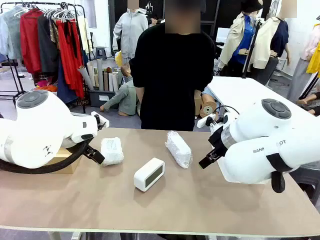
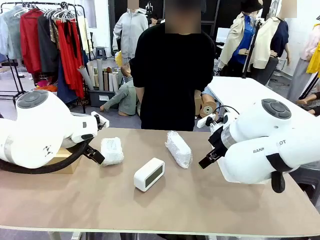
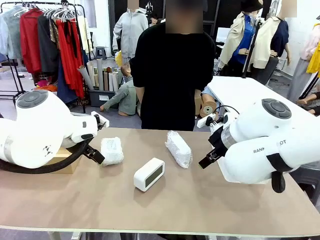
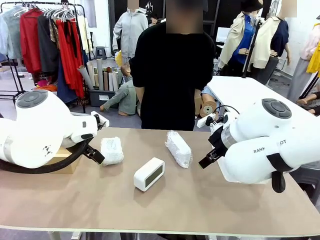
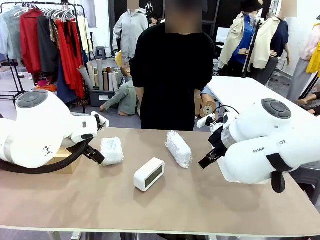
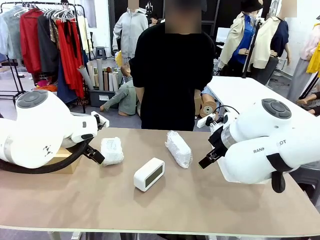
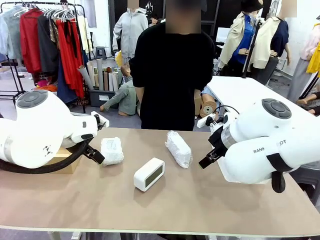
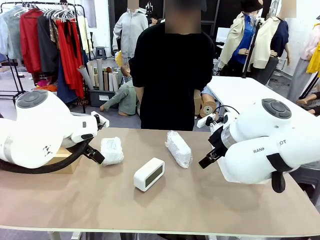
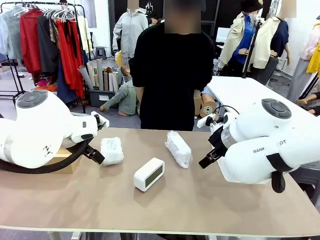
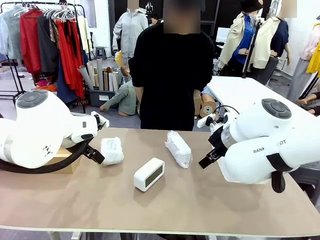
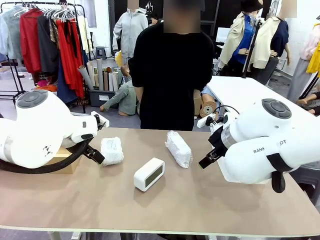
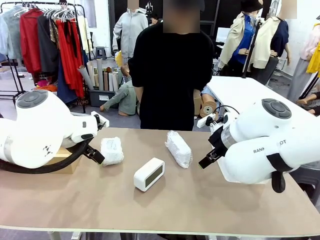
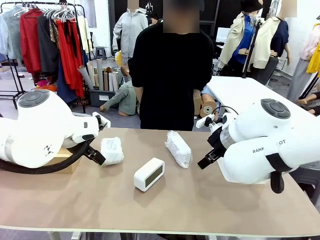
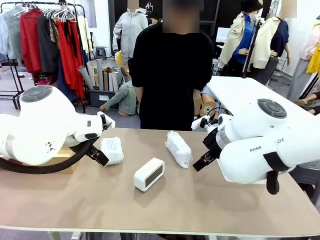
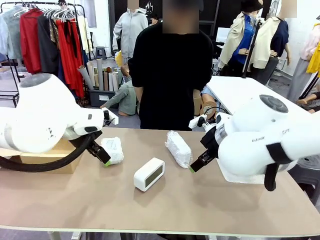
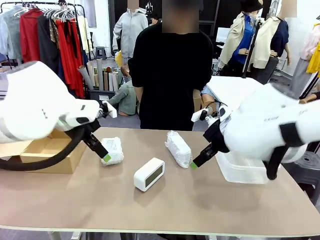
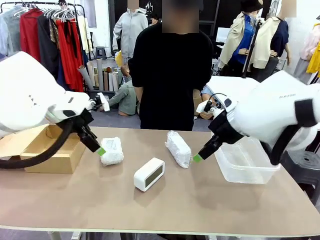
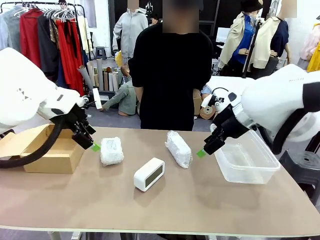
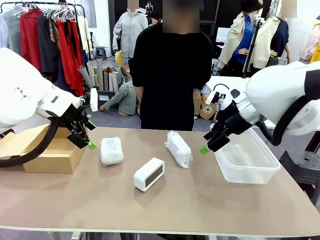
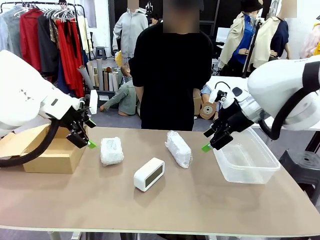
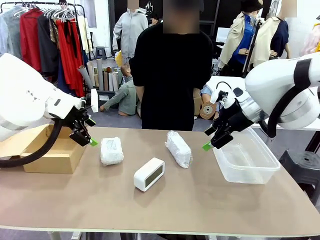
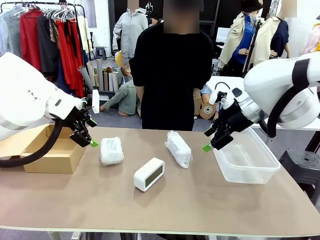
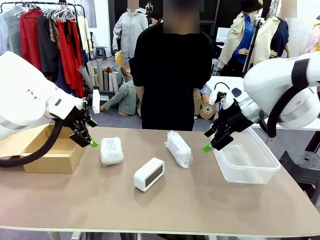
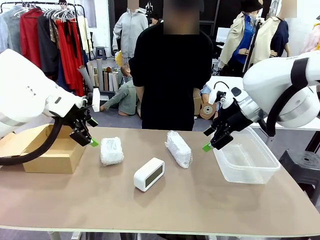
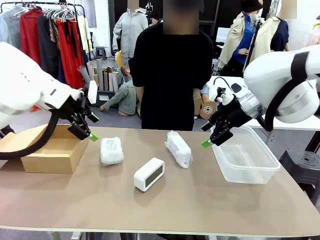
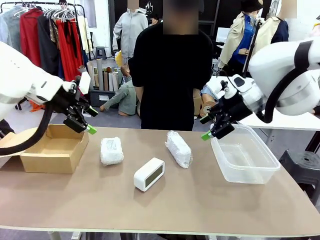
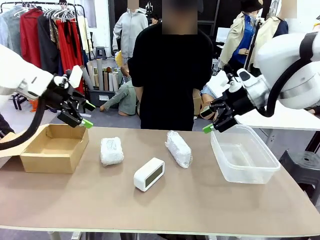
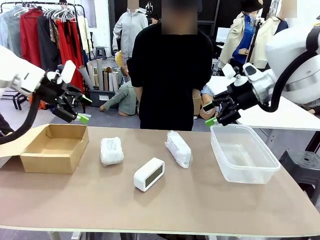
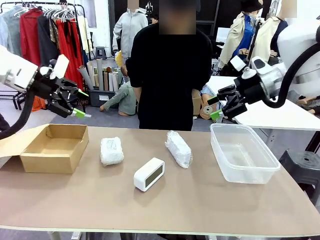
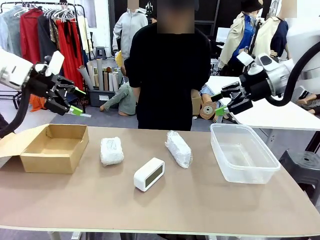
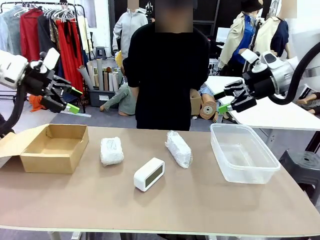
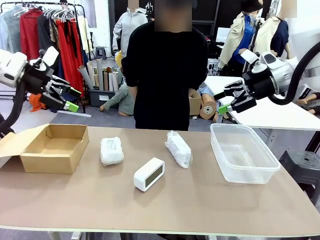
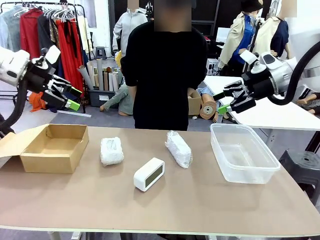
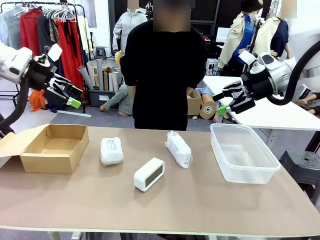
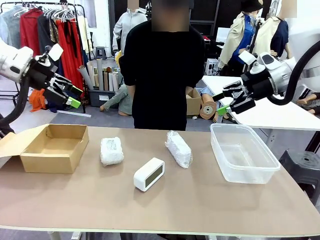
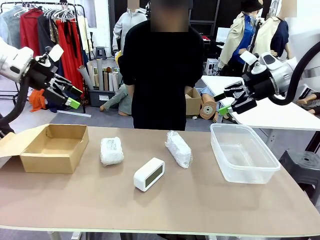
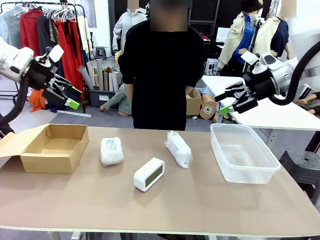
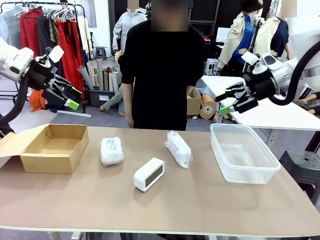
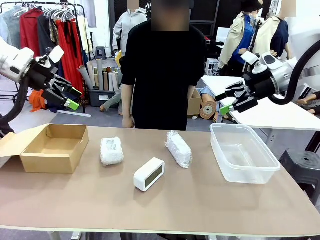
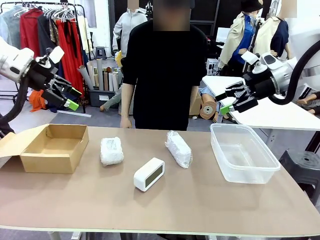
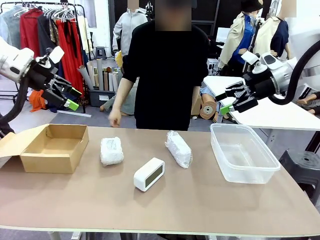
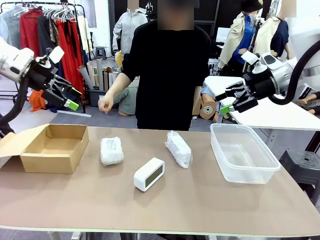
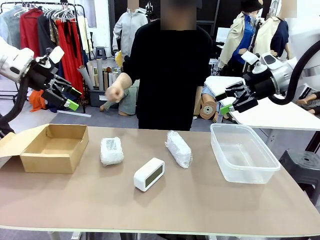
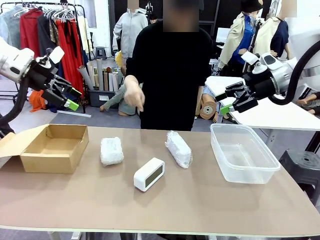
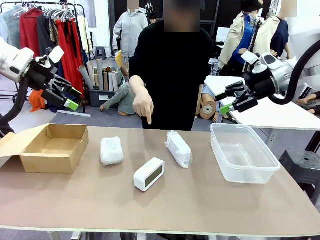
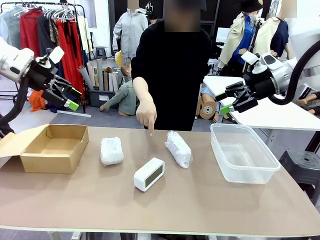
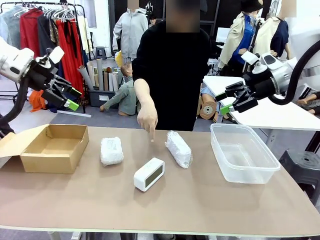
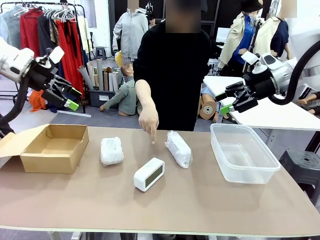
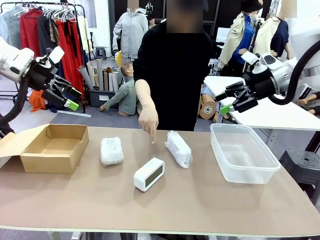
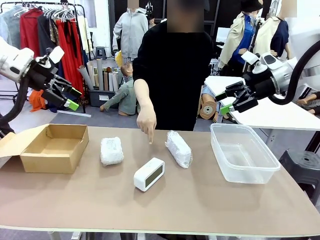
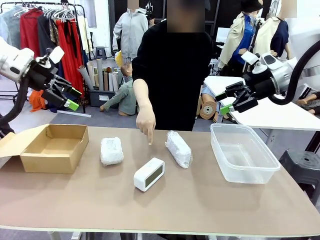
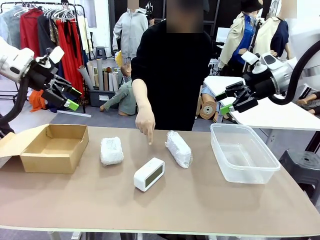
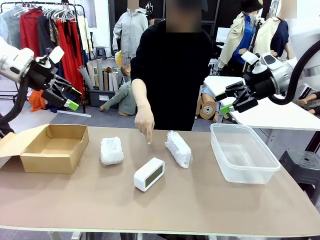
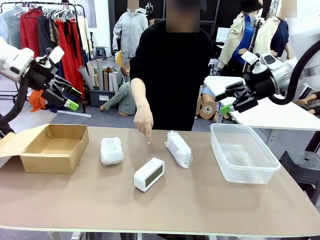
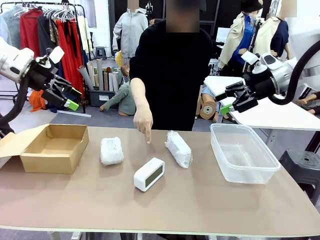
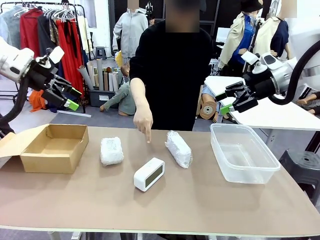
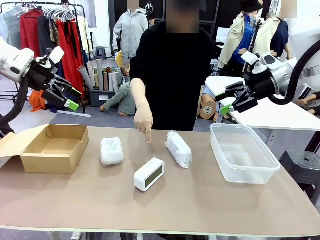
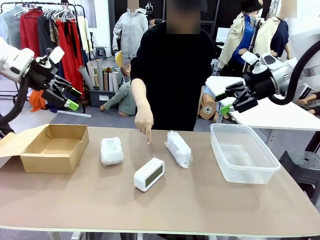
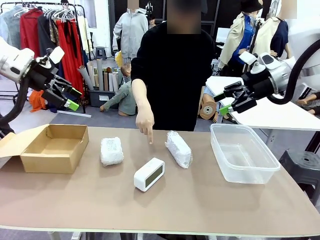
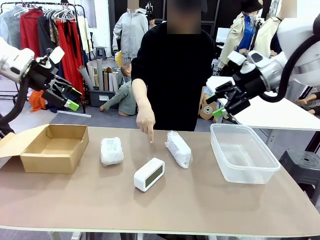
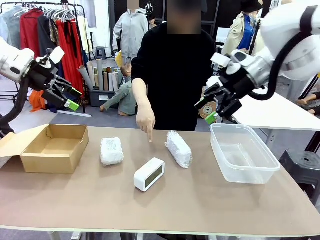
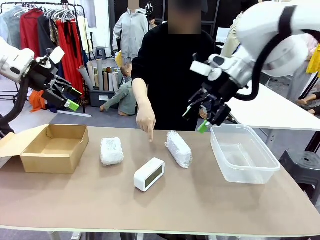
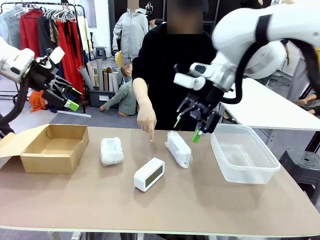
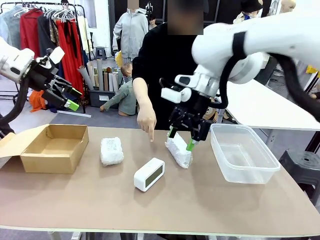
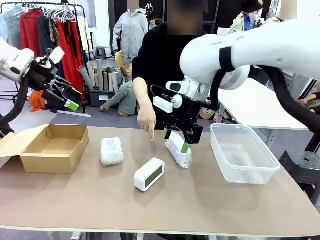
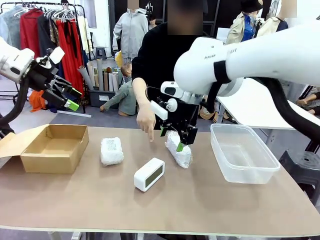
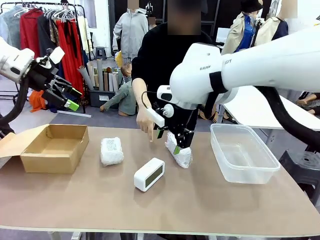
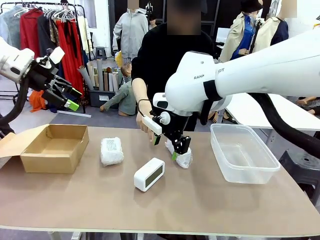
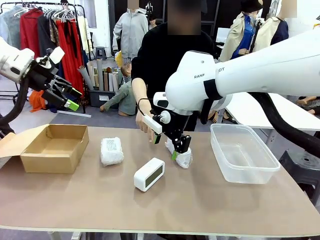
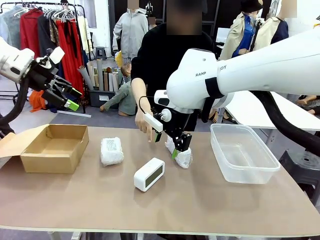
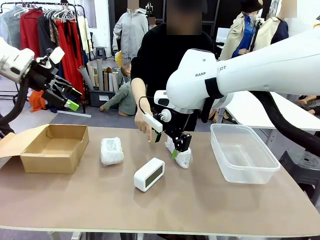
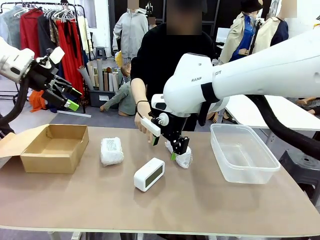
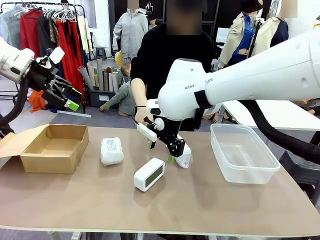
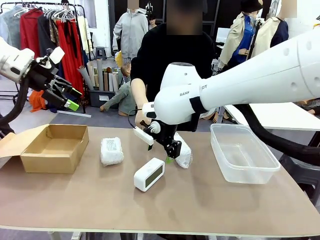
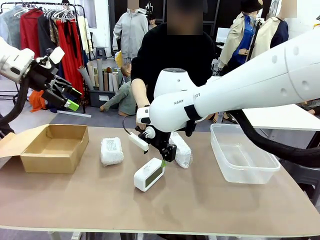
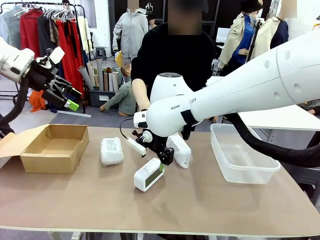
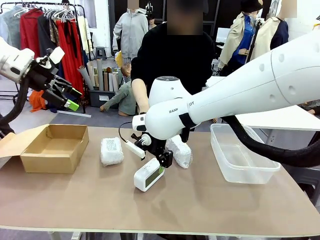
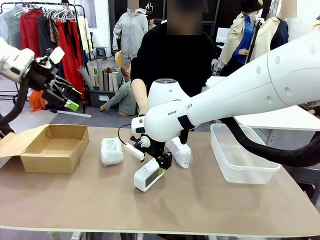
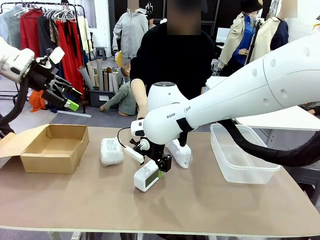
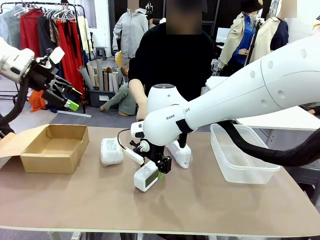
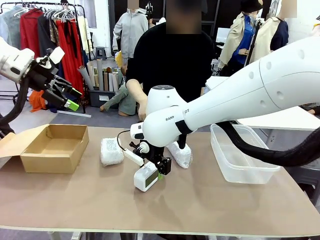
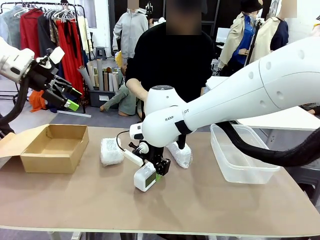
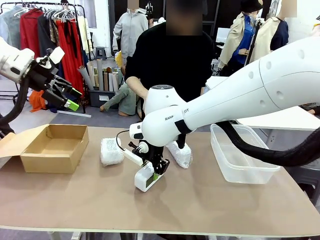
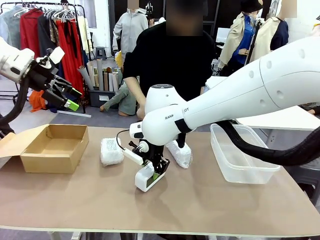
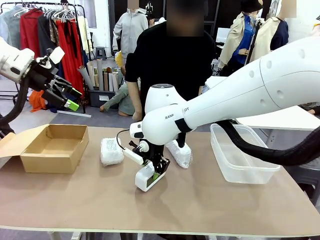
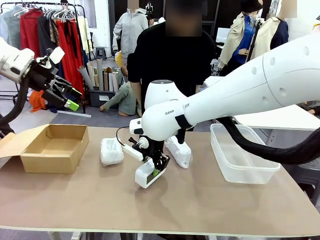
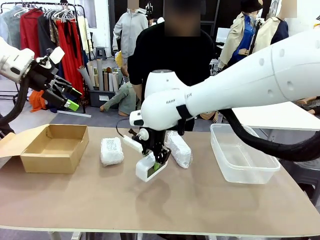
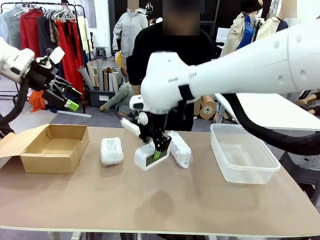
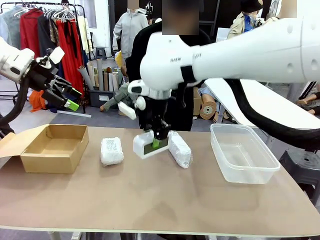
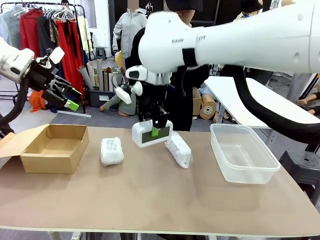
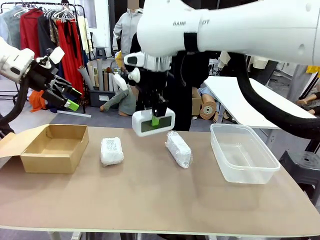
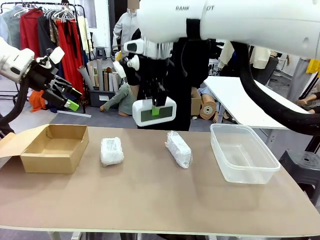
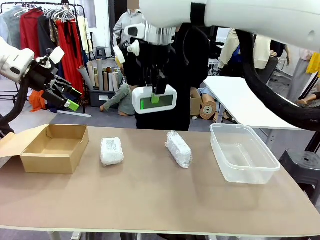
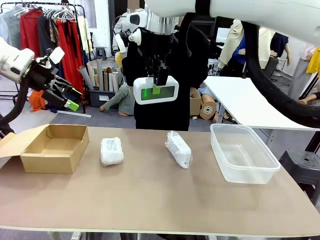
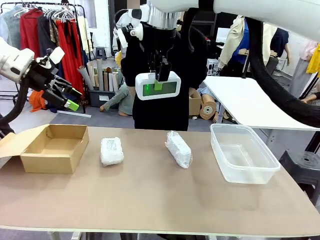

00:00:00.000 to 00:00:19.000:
Task: Separate and place wrapped and unwrapped clocks.
Robot: Pick up the Digital clock indicated by the person.
